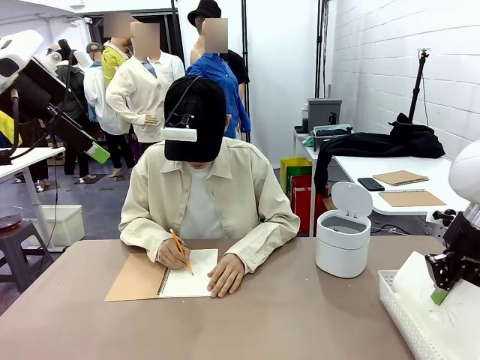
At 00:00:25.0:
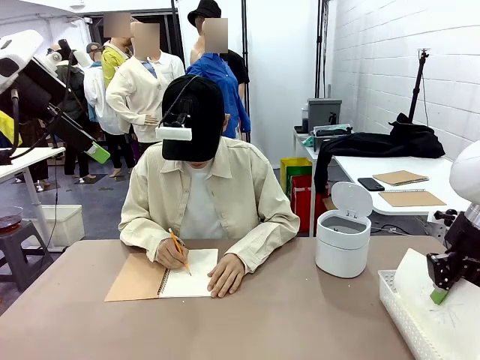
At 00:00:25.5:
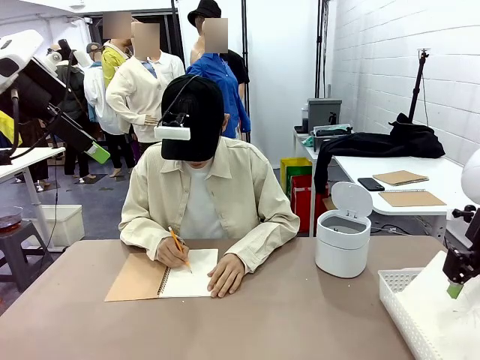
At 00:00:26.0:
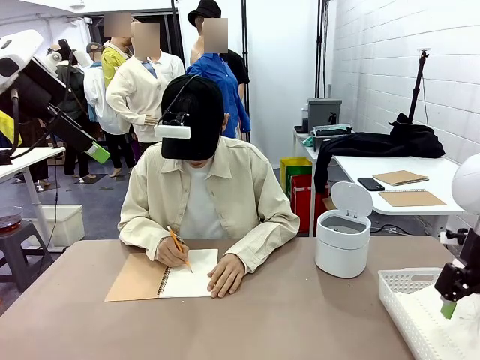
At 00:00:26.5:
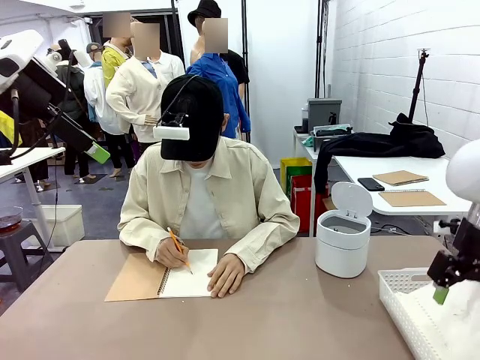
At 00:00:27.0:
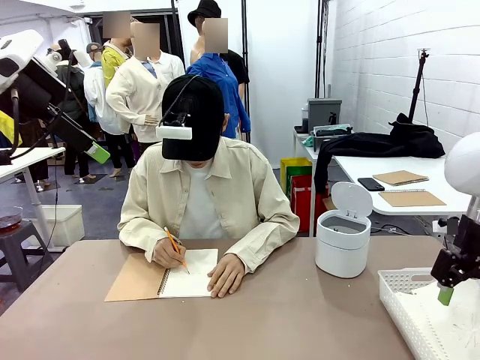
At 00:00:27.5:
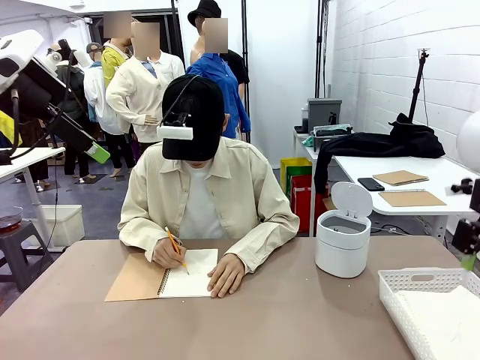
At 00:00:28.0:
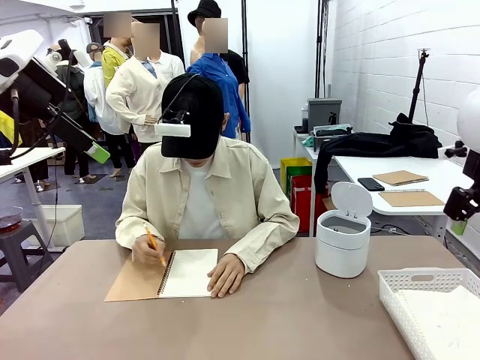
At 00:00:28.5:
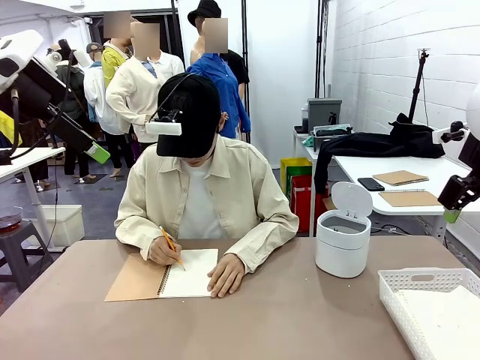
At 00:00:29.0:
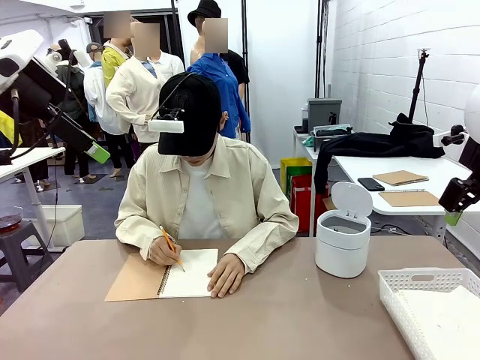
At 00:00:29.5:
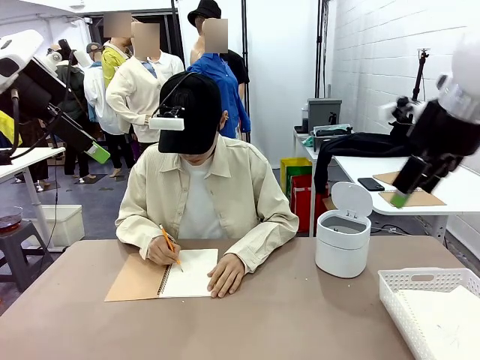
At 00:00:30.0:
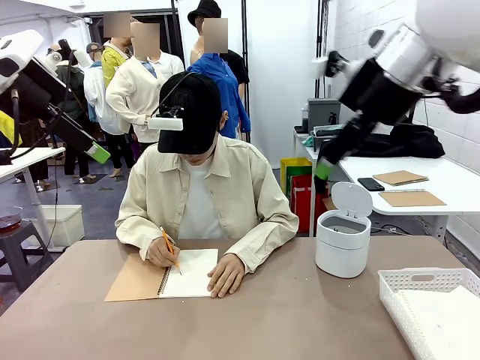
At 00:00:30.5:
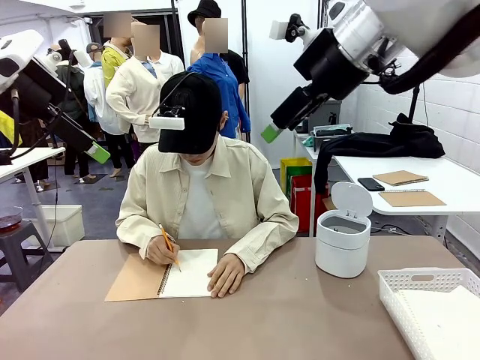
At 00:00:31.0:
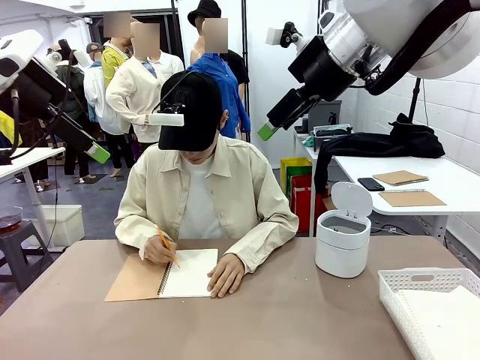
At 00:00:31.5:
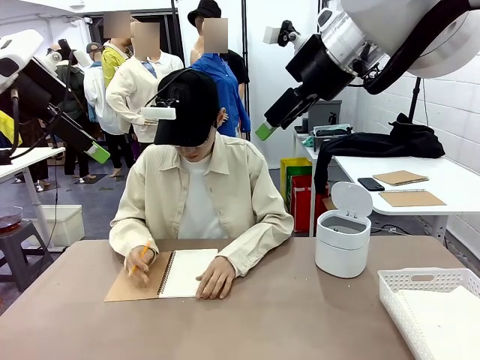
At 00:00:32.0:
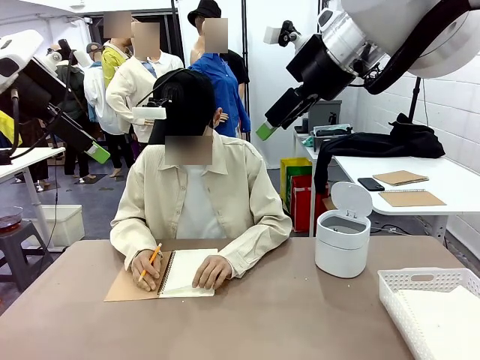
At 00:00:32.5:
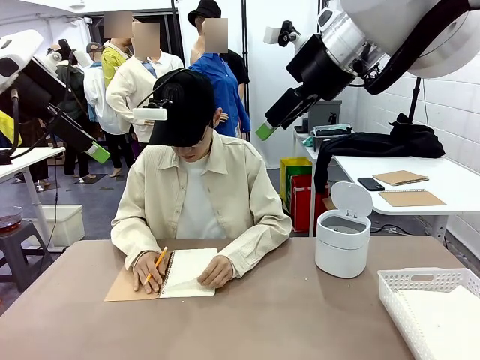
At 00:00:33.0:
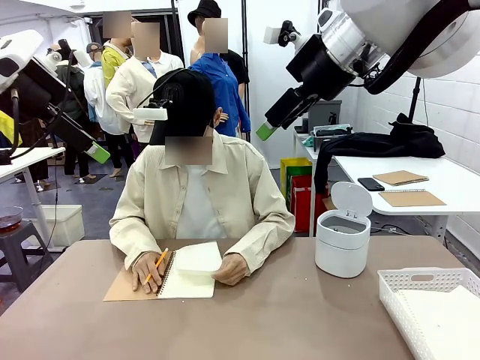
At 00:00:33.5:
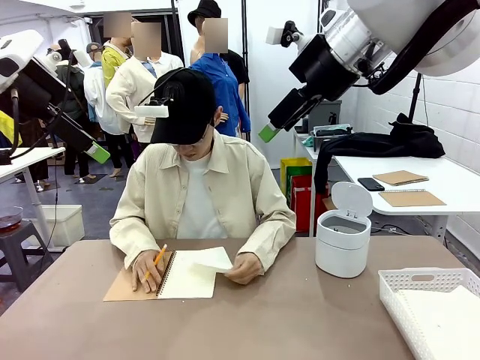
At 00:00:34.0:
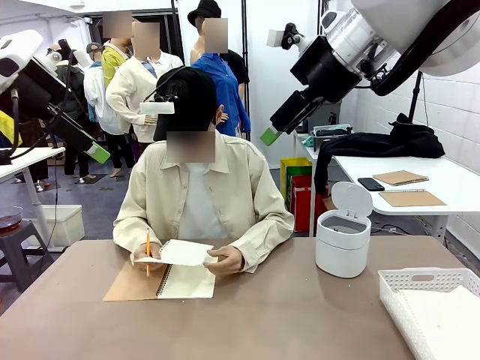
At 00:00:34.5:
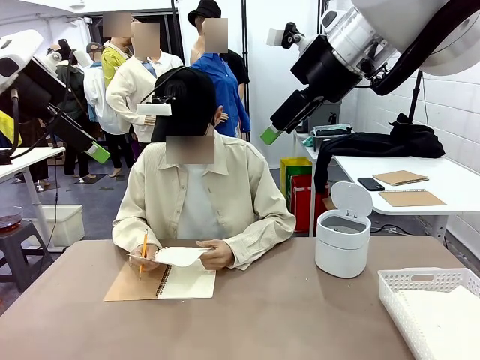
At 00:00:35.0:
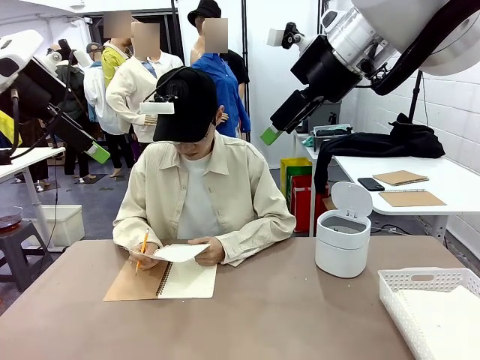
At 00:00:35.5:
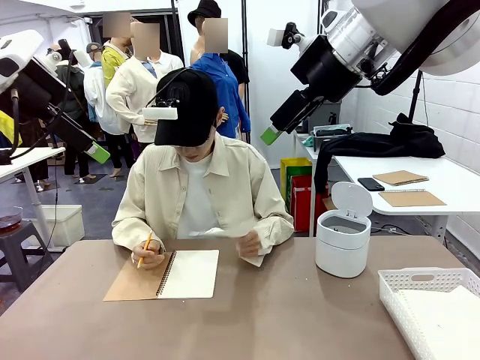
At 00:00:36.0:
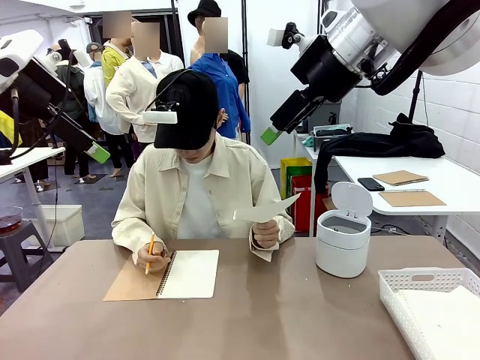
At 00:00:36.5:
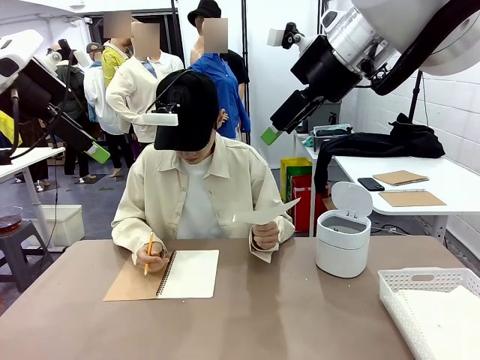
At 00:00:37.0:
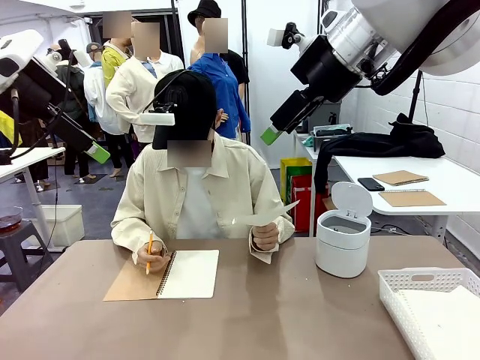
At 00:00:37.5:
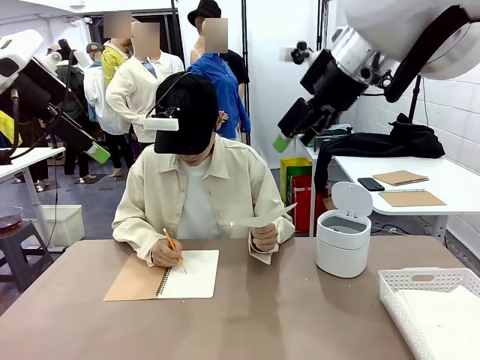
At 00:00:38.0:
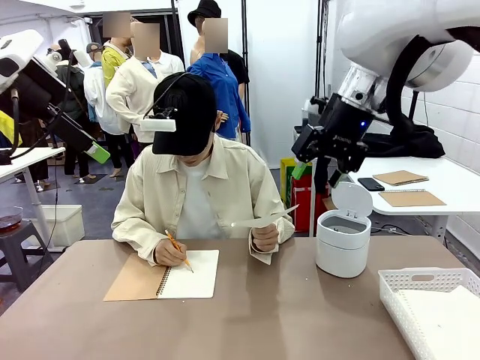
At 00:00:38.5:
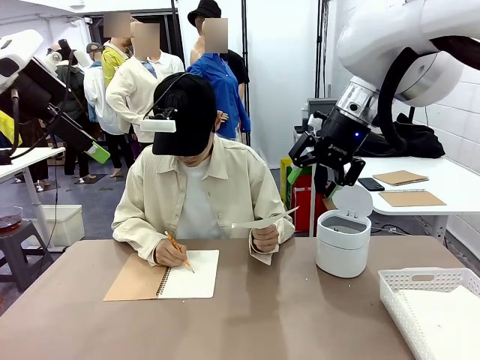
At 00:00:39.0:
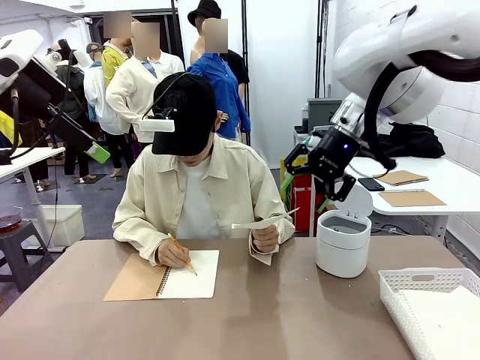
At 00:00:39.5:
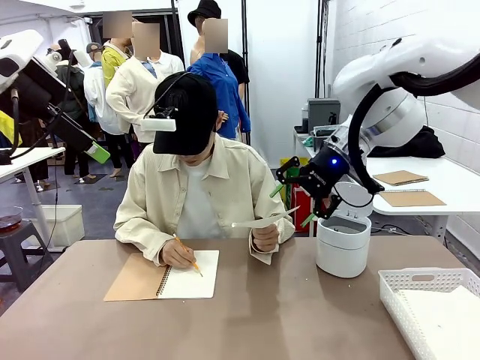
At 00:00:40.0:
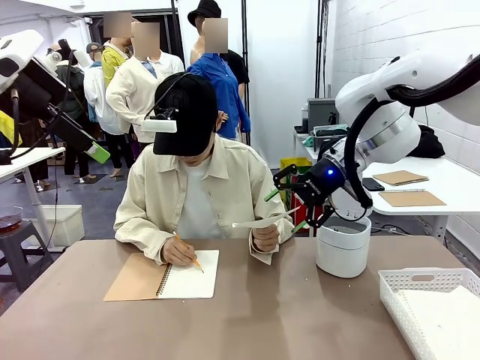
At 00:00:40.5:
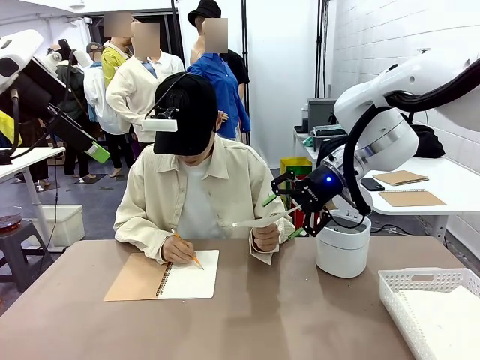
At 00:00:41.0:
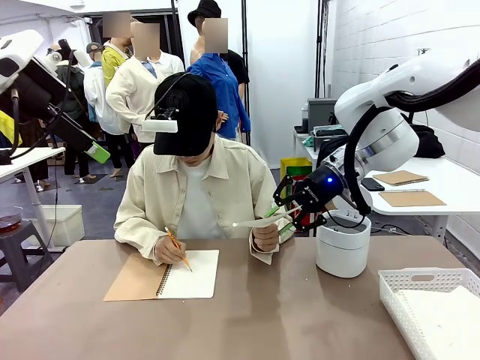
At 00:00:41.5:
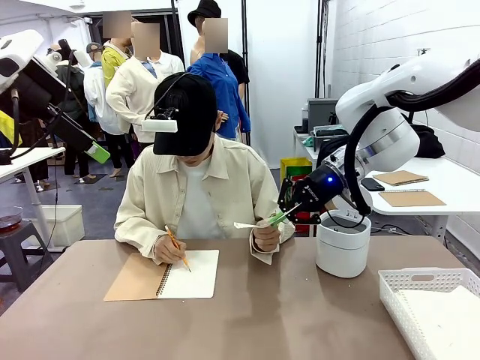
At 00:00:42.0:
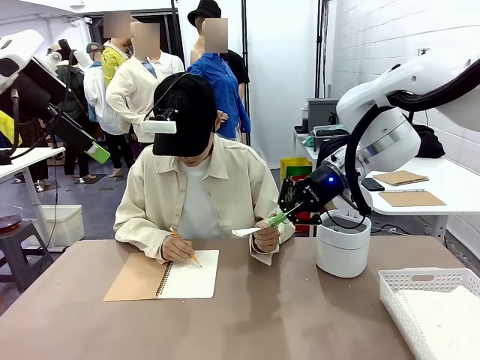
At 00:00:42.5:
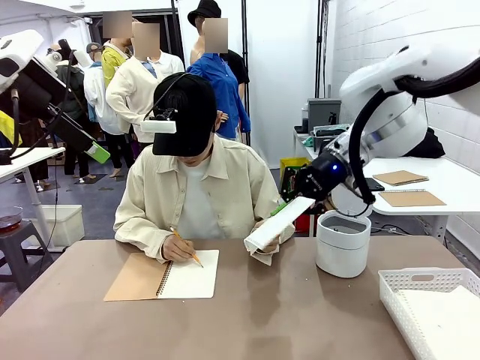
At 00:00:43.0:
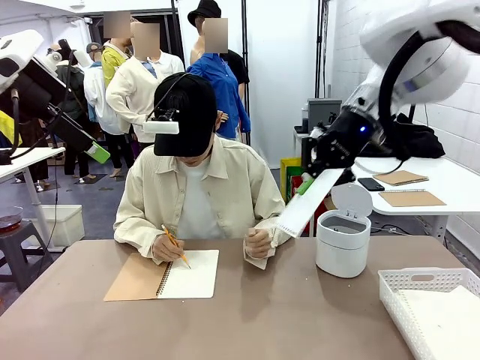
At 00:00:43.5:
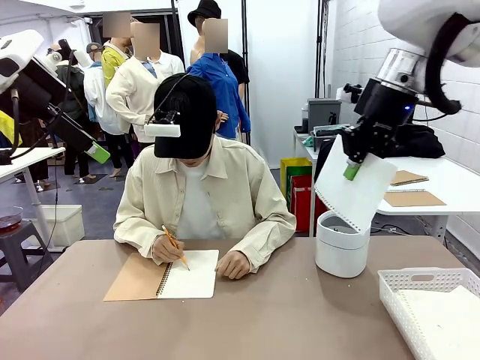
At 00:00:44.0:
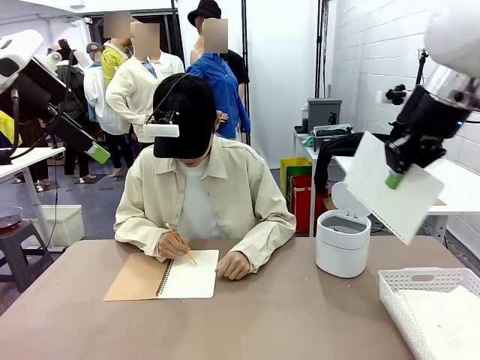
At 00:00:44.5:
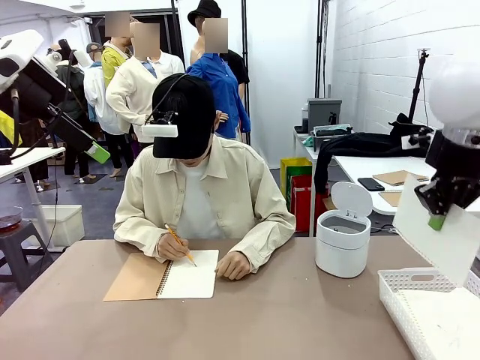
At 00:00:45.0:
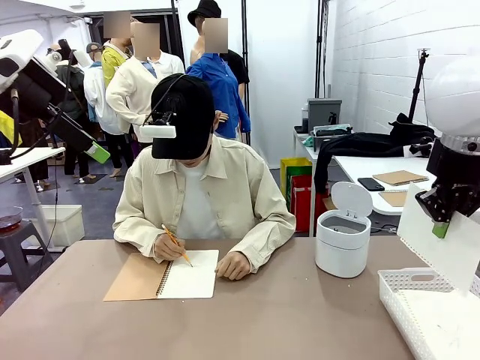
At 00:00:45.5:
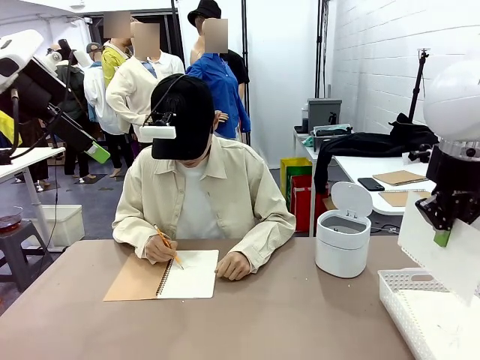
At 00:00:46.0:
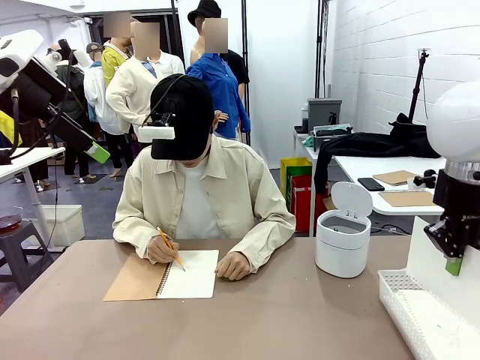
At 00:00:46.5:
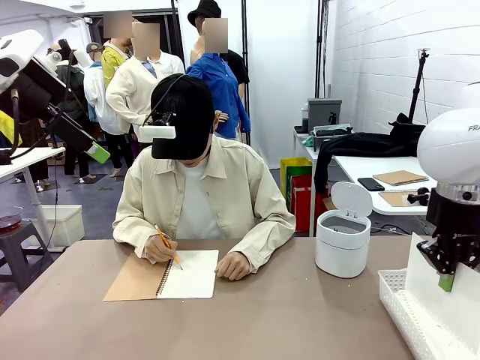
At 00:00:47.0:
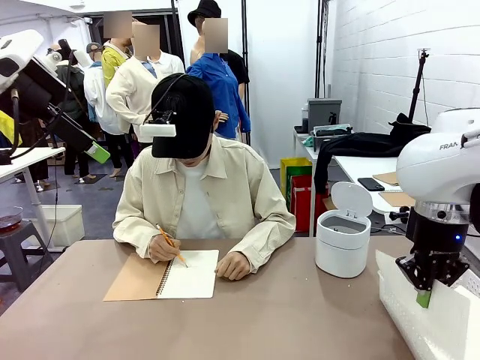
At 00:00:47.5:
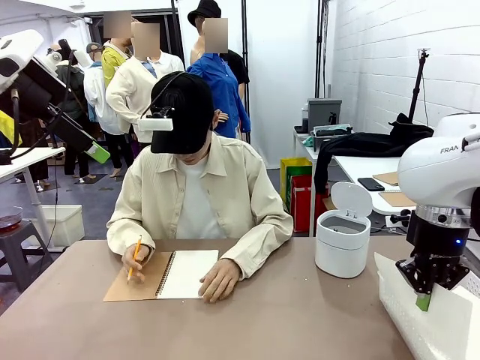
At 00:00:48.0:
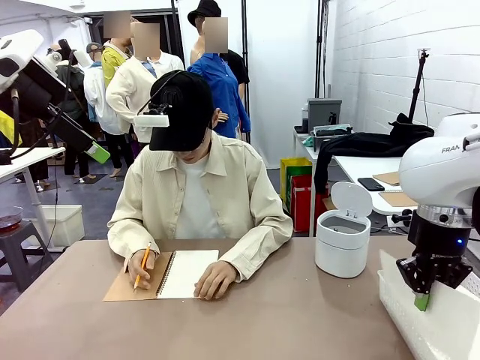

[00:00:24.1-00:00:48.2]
Task: Sort the paper based on its condition.
Robot: If a person hands you a paper, place it in the Organizing basket , and if it's crumpled, put it in the Trash can.
Person: Hand the torn page to the robot or crumple it and throw it to the center of the table. Tear out a page from the spiral notebook.

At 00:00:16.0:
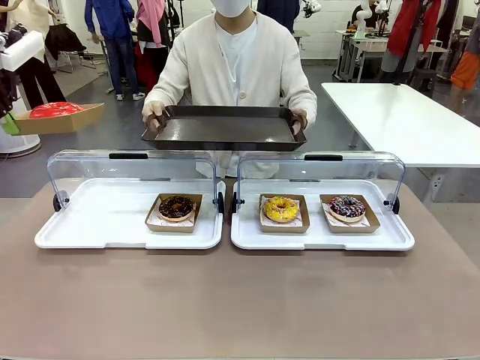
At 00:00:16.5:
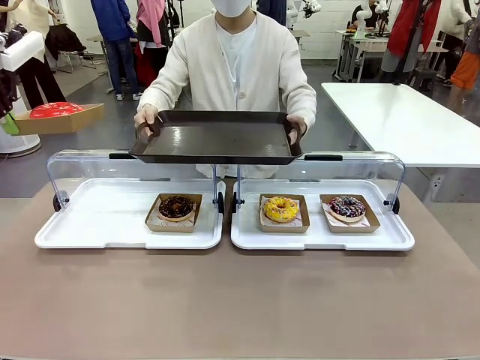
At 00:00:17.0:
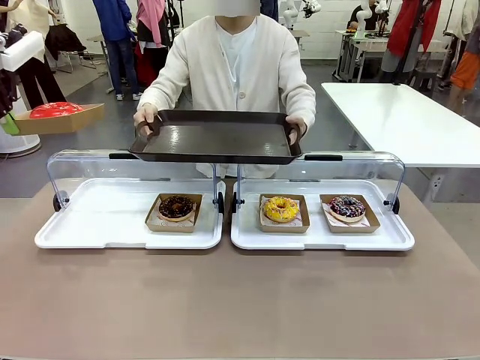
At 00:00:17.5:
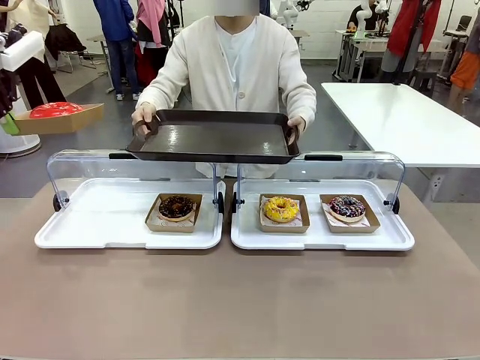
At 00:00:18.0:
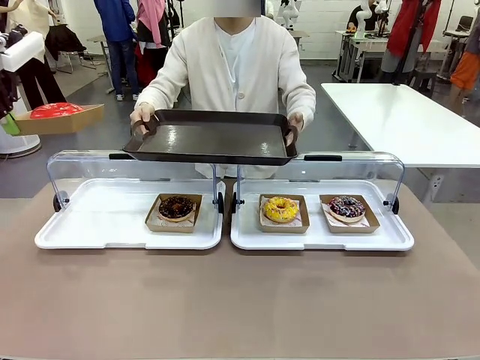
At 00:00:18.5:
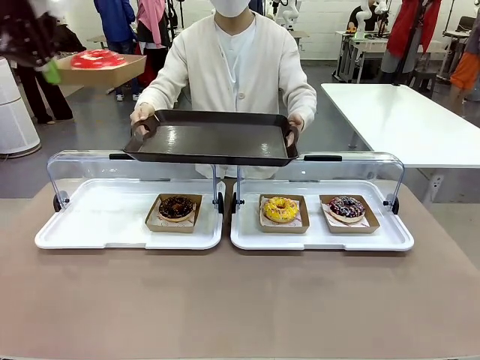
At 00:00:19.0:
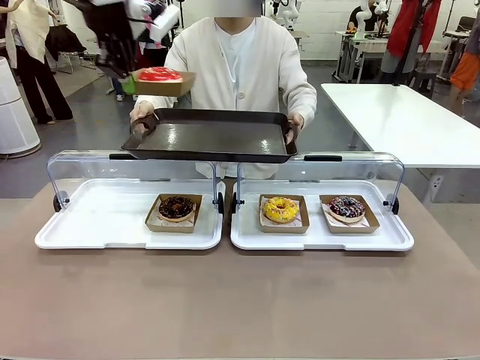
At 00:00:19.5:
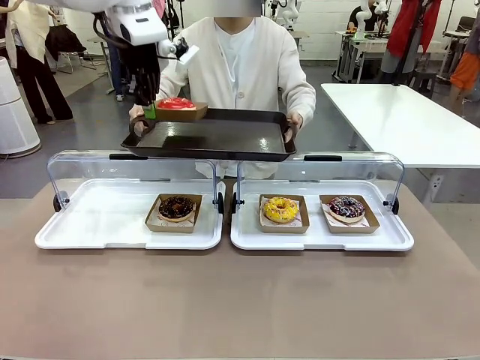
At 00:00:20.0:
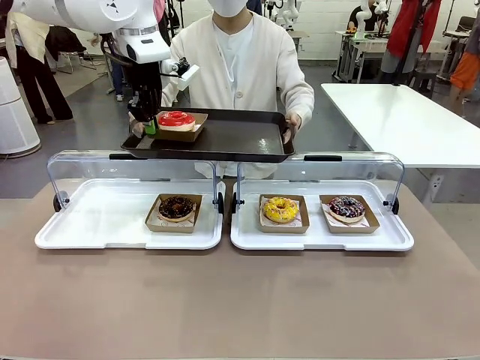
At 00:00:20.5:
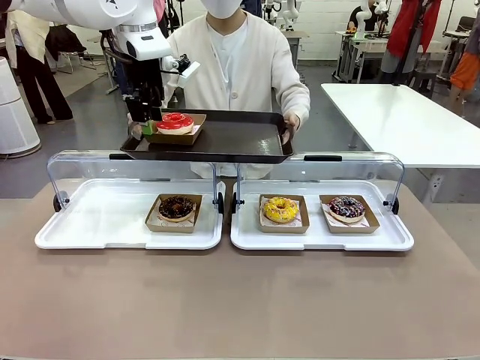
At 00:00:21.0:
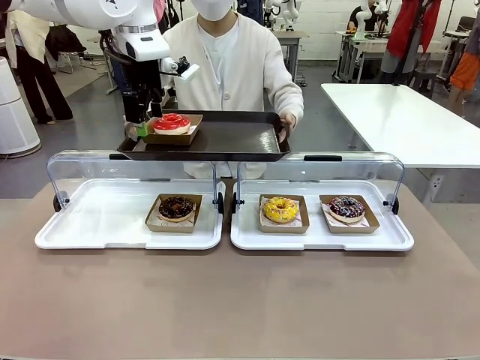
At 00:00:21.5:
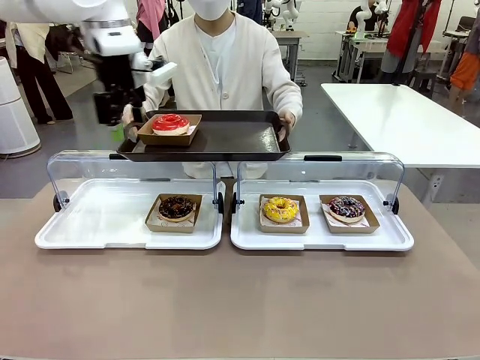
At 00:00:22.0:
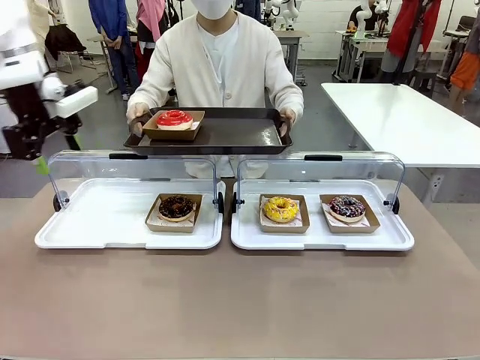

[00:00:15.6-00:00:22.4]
Task: Provide the desired donut to the person.
Robot: Place the picked Paper togo box onto the Handle tray extended by the person.
